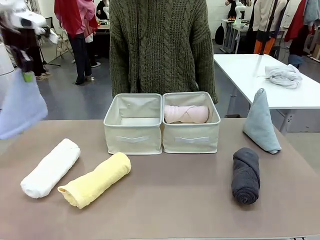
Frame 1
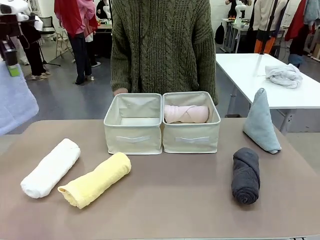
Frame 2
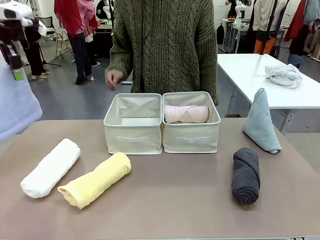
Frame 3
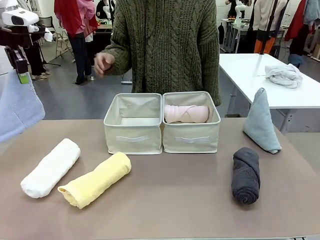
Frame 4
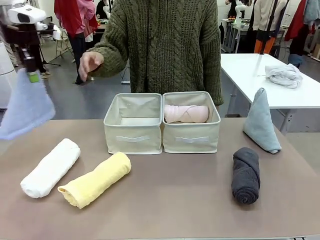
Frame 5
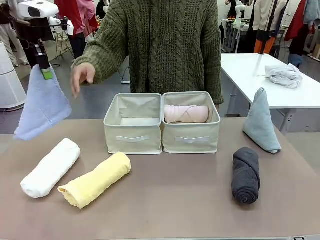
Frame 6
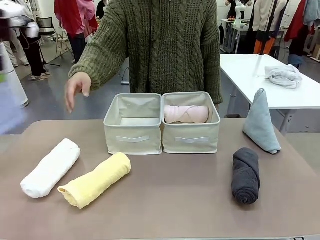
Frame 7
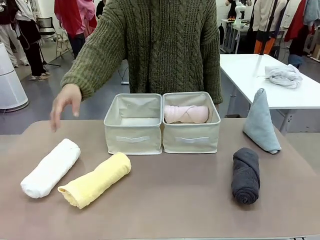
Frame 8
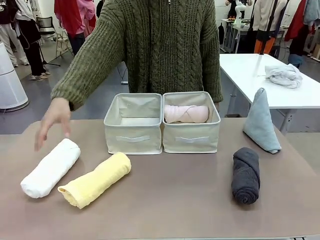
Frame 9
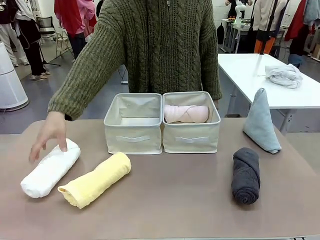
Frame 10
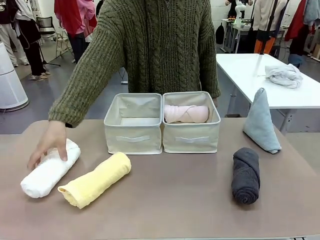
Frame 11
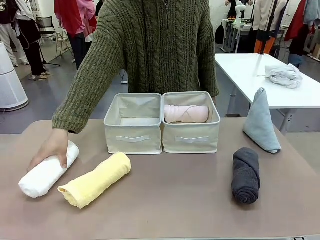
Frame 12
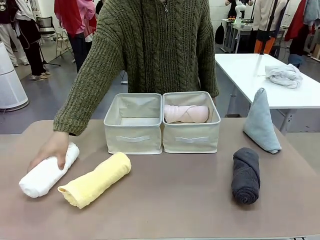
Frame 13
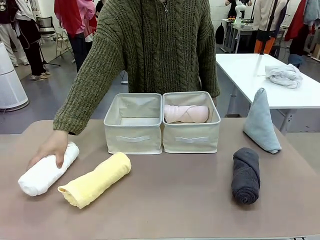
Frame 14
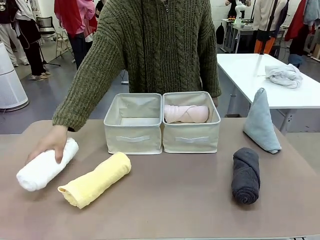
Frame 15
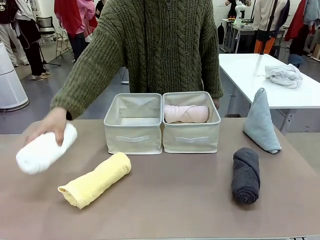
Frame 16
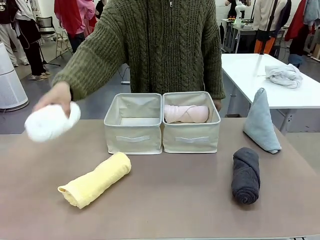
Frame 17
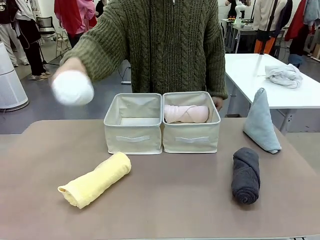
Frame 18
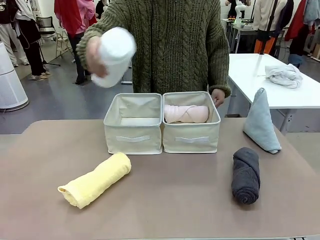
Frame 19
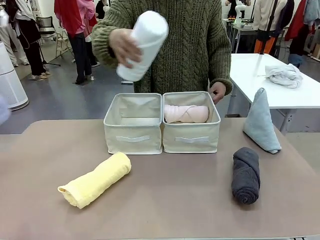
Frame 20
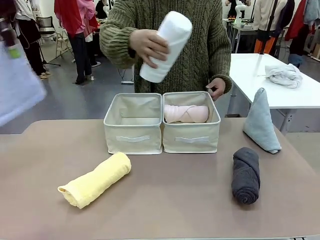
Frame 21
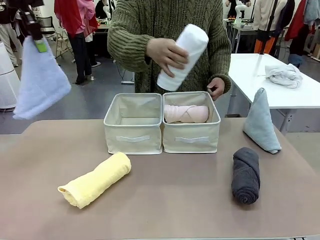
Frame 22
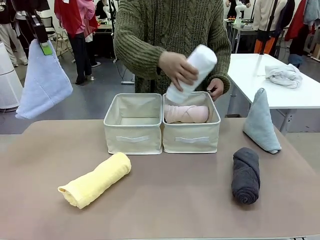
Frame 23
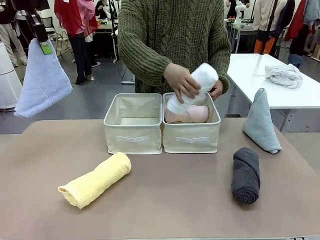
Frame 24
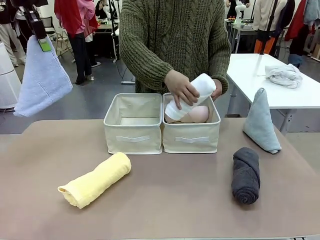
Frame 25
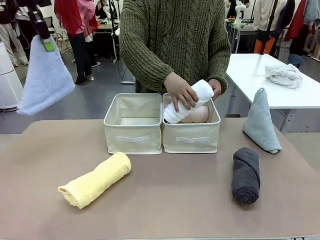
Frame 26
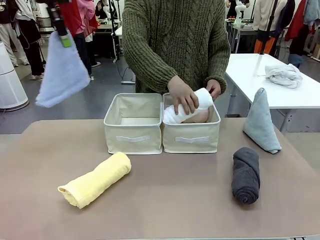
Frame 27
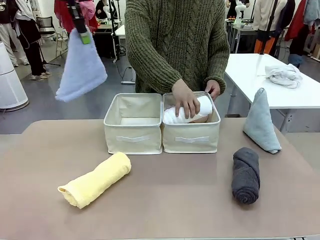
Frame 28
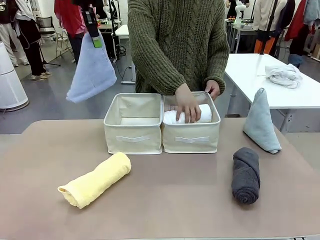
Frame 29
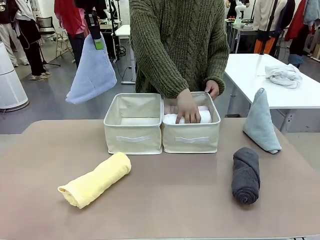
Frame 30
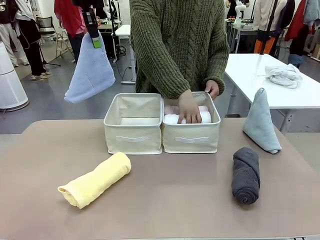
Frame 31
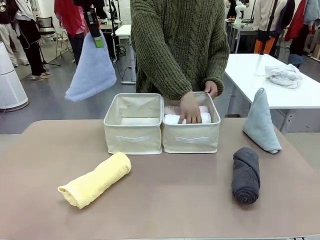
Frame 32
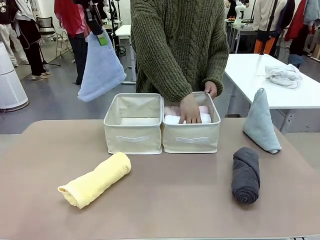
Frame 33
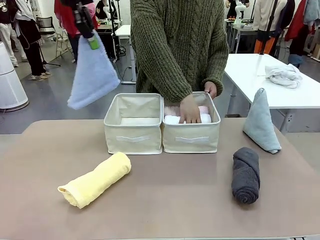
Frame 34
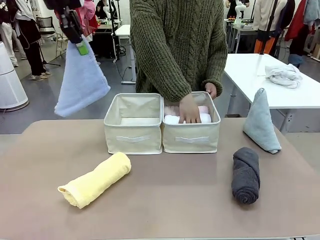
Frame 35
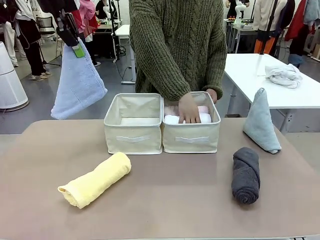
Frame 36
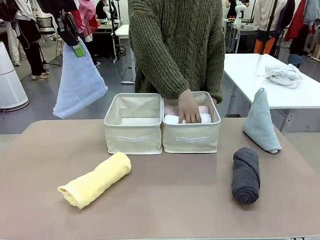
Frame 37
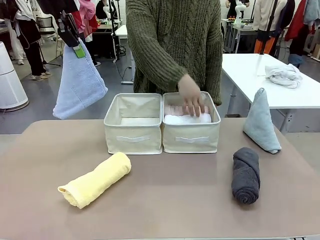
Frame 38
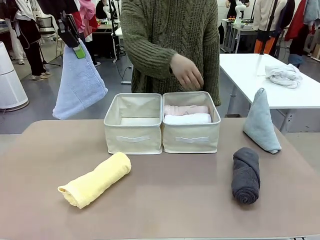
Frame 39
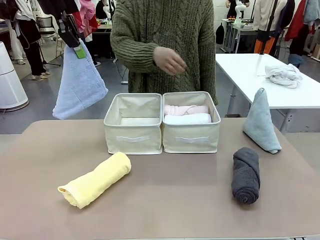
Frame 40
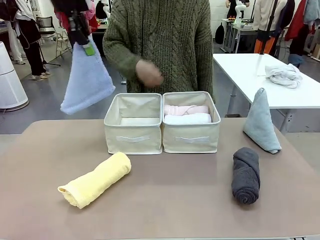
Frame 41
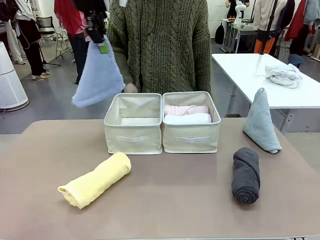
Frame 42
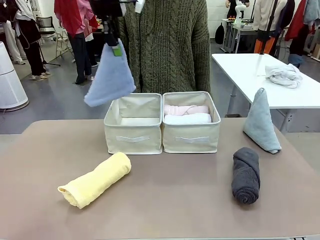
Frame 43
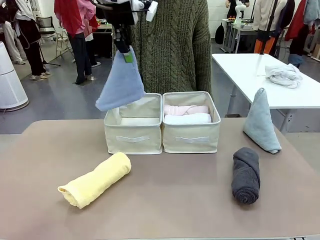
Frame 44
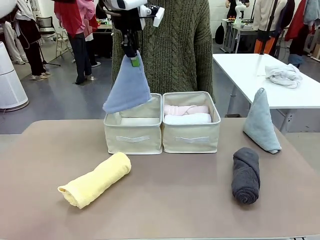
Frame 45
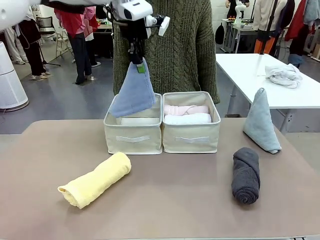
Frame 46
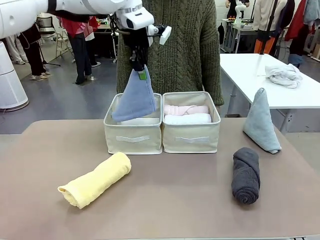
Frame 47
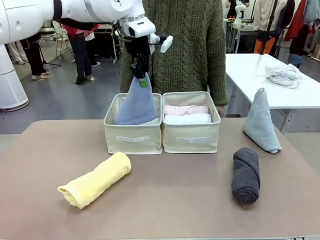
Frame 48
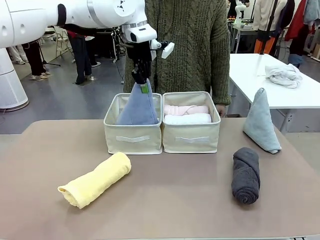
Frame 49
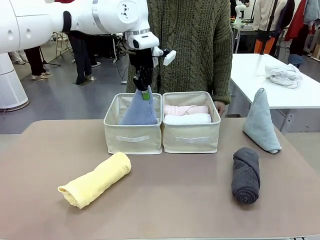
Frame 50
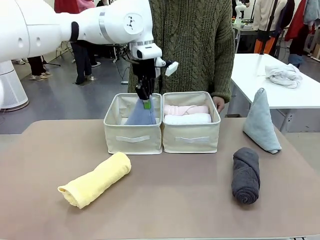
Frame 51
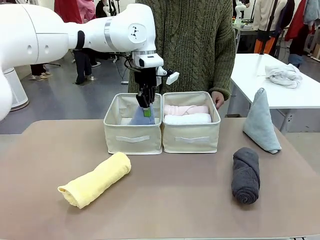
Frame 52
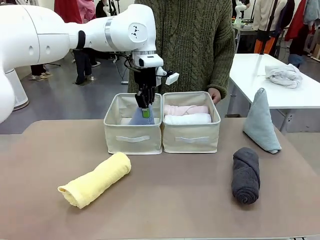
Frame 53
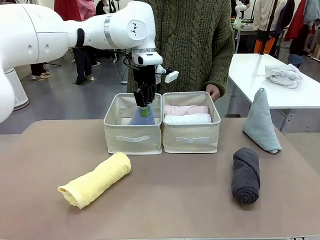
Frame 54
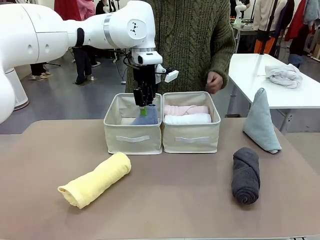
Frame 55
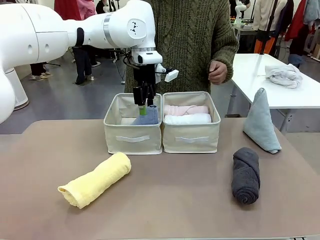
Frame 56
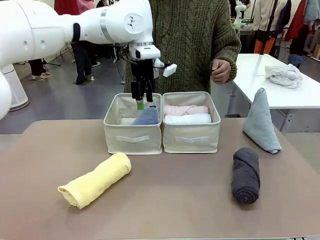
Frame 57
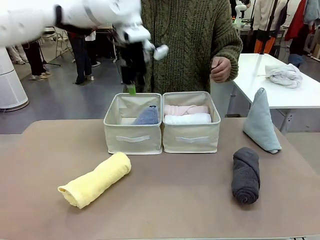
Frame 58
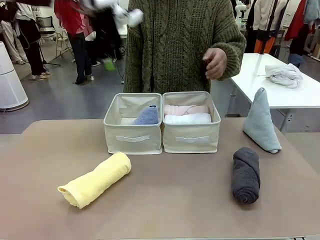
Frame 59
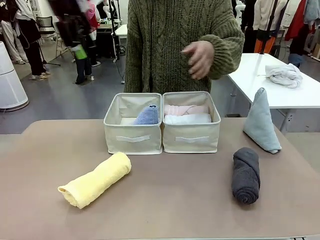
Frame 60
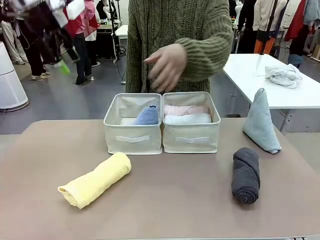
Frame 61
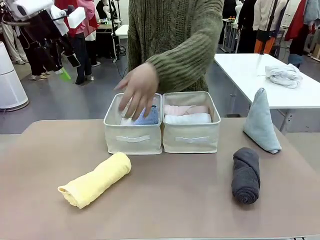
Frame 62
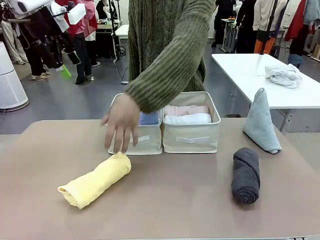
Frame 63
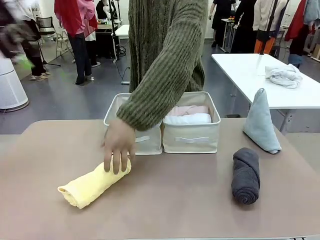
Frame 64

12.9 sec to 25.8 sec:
Task: Sort the towels based on their folding style.
Robot: Pick up one triangle-folded towel and place it in the left Fabric basket.

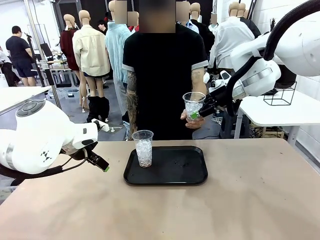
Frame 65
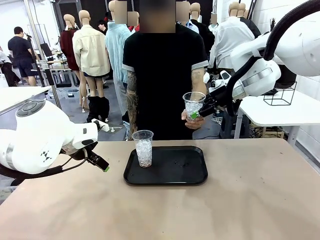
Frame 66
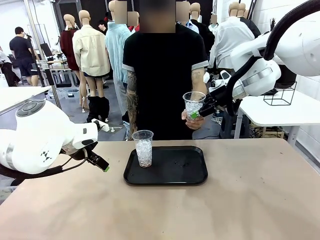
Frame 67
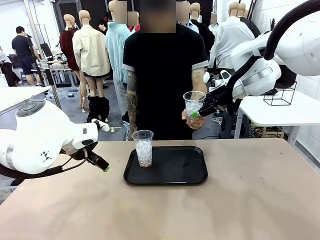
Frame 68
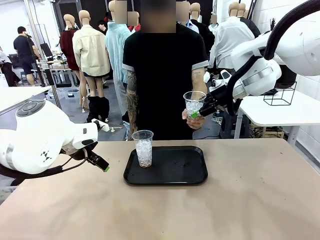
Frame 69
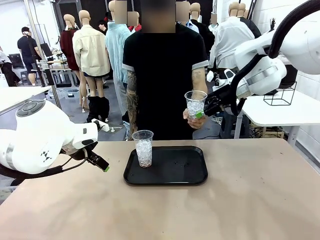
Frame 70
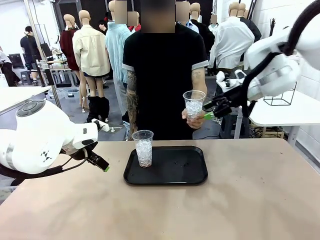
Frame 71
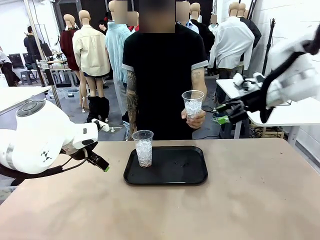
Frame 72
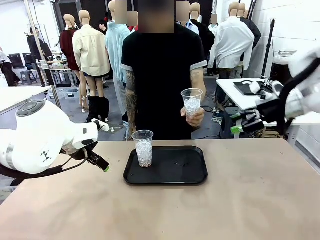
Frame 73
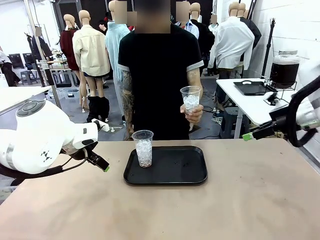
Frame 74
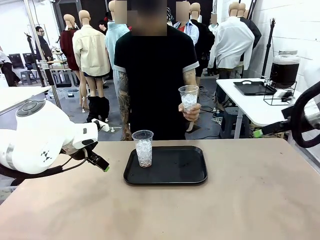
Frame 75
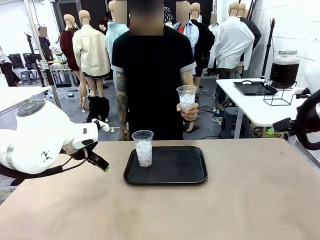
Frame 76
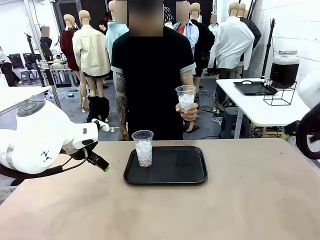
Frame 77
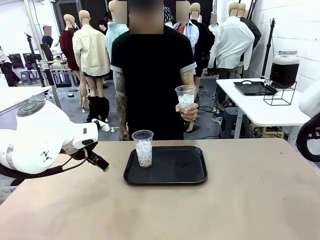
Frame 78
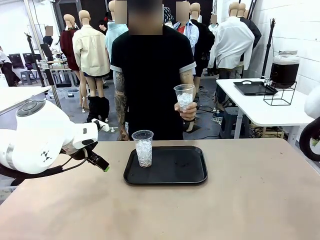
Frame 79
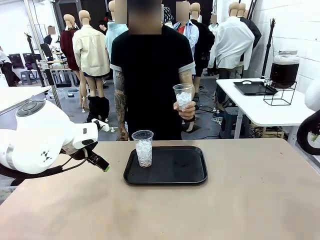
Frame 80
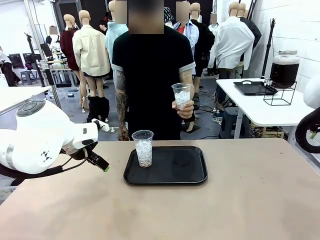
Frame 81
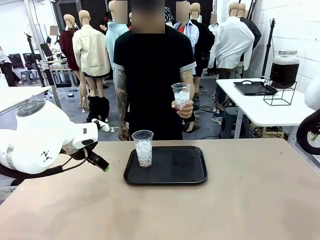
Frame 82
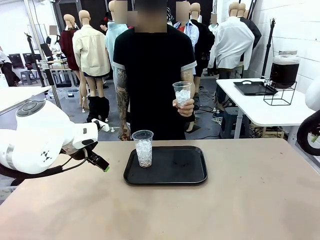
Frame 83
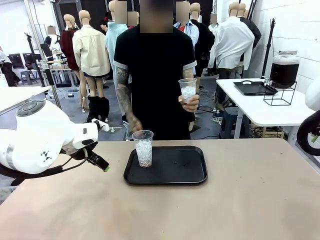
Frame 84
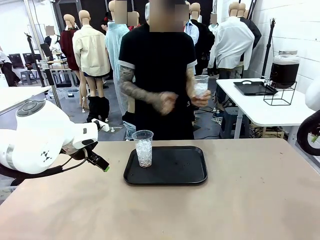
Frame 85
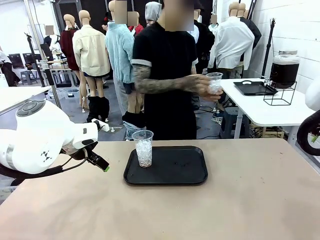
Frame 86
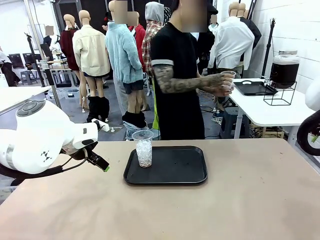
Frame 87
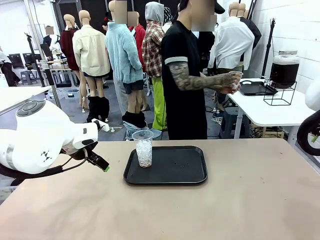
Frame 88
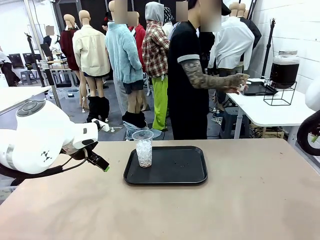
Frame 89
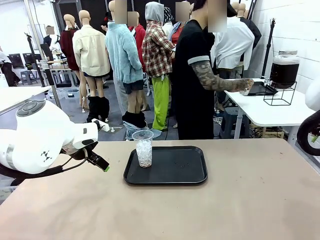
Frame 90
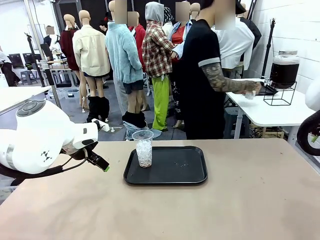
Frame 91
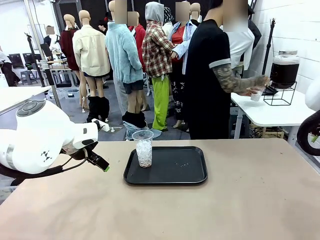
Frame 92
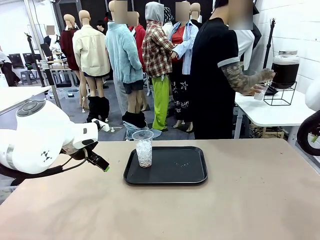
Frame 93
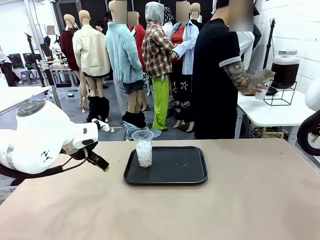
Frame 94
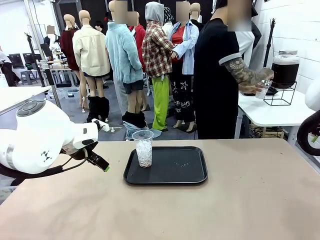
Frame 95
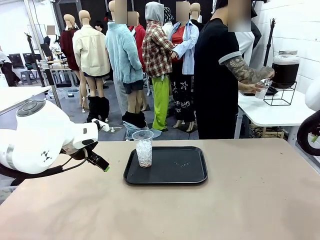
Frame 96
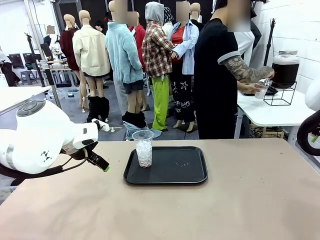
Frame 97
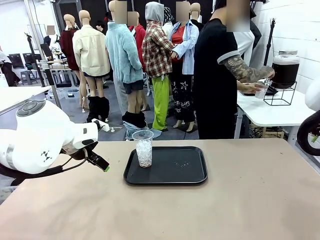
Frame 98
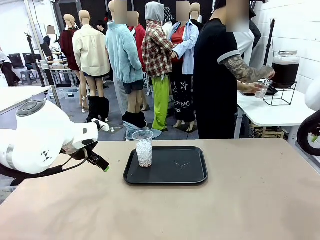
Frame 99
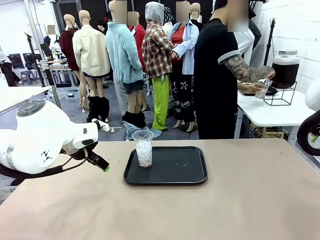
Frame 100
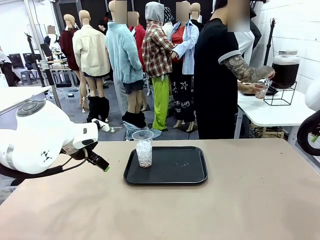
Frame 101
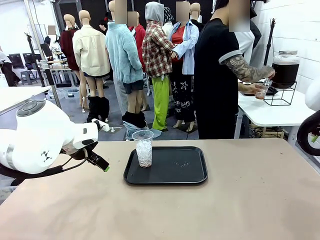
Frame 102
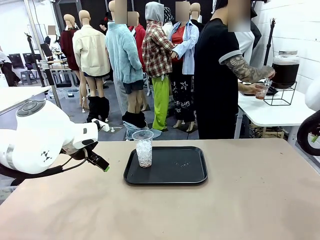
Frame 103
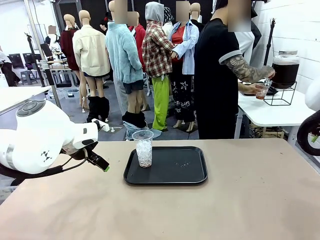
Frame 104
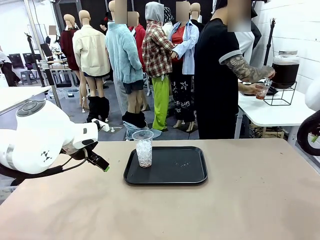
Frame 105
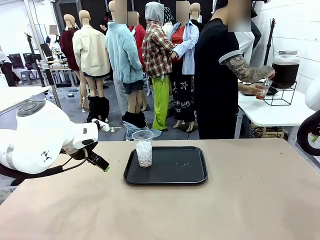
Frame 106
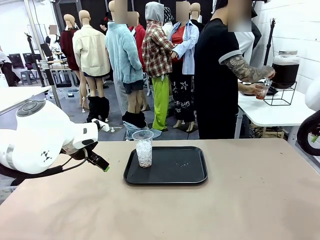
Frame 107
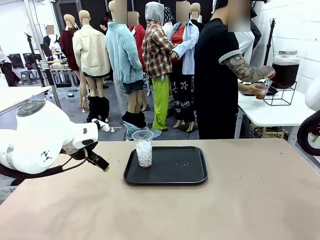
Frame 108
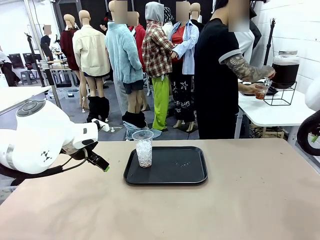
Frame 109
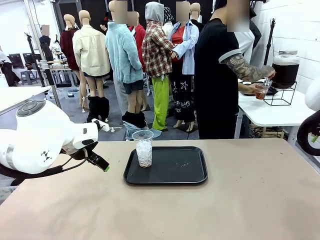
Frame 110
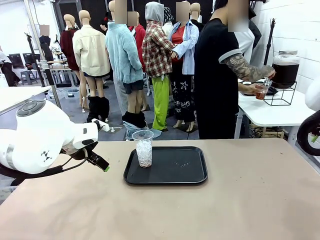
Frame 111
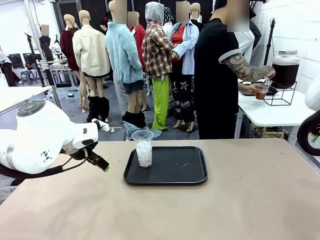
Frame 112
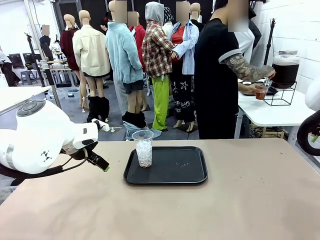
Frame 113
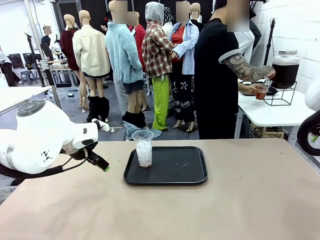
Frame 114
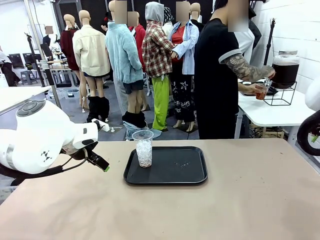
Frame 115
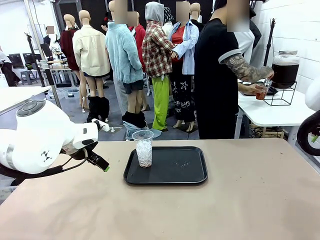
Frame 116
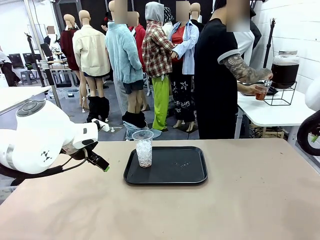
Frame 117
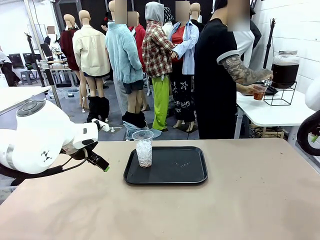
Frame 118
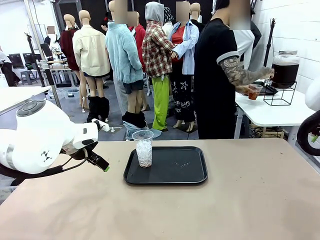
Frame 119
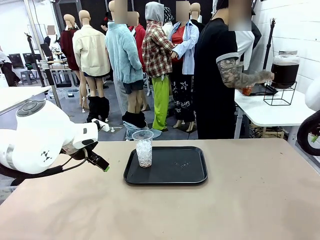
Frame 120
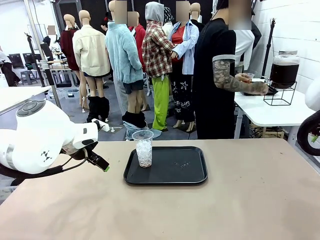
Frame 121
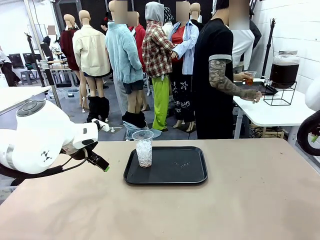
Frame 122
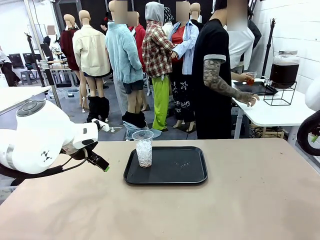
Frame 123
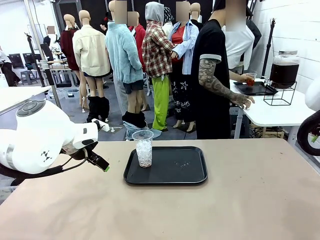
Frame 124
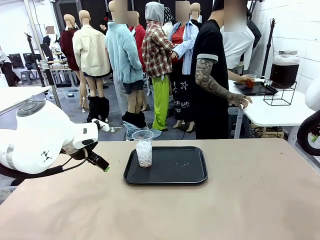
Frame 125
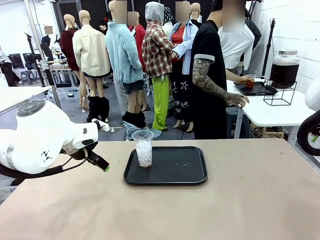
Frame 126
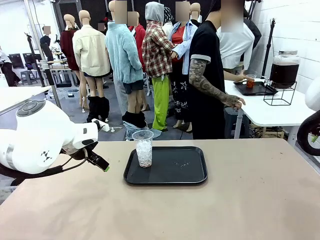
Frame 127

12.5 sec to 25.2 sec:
Task: Pour the drink into the iced cup.
Robot: Pick up the iced cup indicated by the human and present it to them.
Person: Move the picked-up cup under the dispenser faucet, pour the drink, and place it on the tray on the human table.
